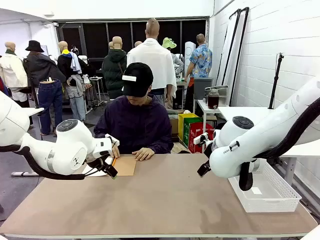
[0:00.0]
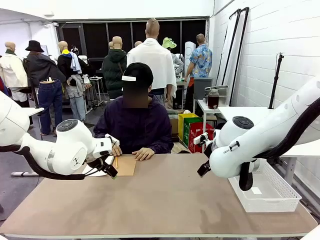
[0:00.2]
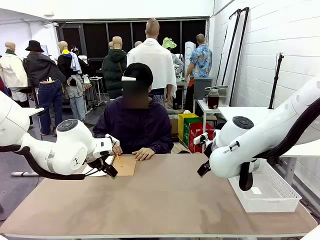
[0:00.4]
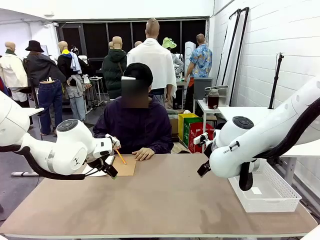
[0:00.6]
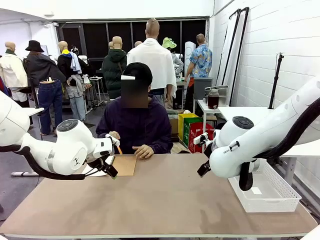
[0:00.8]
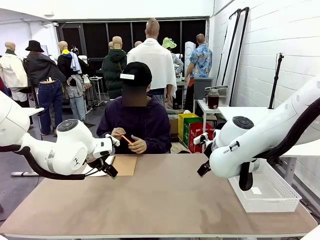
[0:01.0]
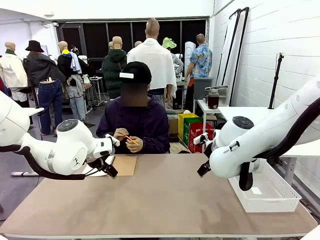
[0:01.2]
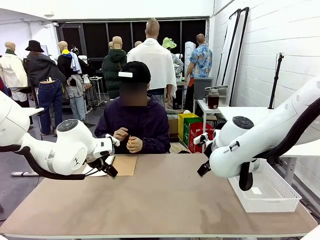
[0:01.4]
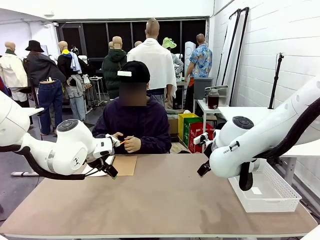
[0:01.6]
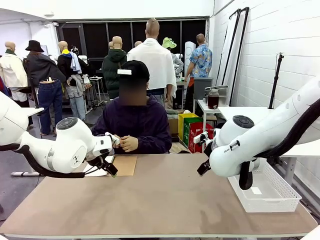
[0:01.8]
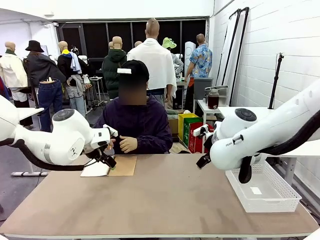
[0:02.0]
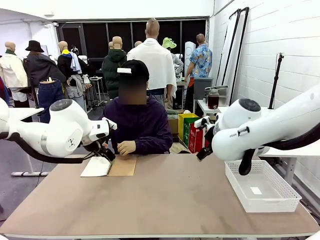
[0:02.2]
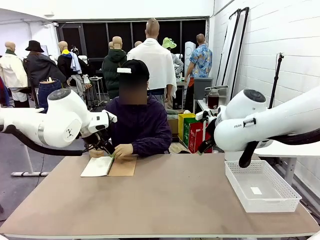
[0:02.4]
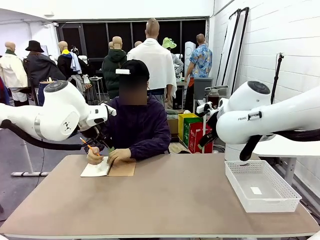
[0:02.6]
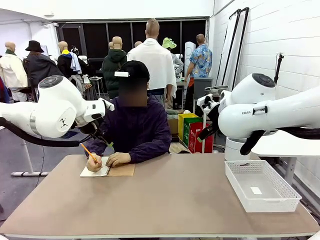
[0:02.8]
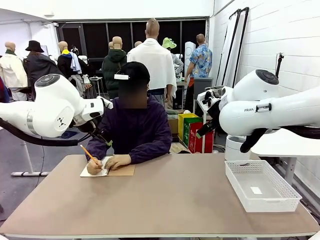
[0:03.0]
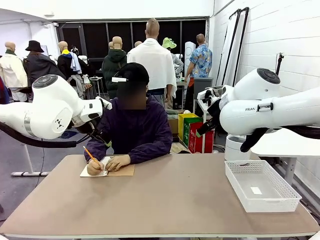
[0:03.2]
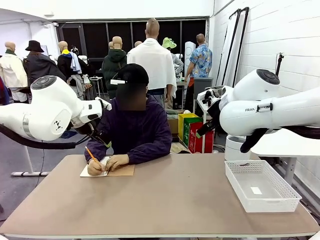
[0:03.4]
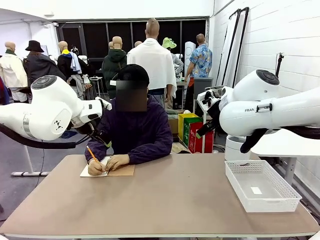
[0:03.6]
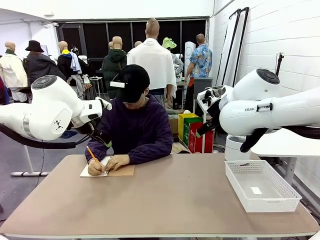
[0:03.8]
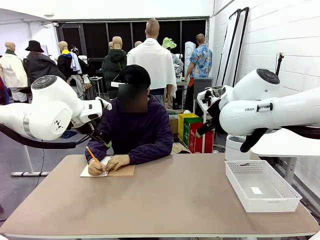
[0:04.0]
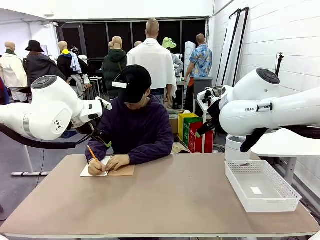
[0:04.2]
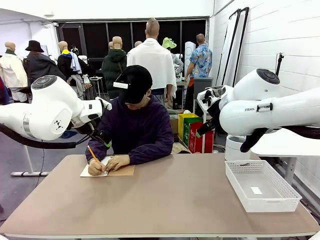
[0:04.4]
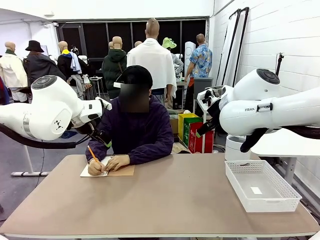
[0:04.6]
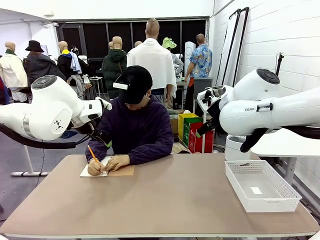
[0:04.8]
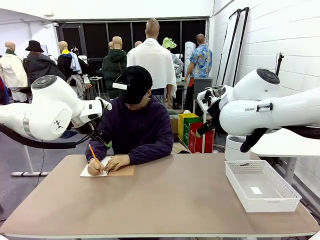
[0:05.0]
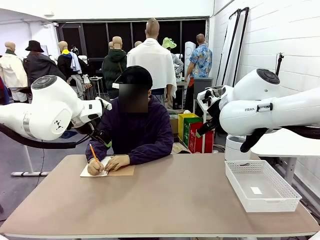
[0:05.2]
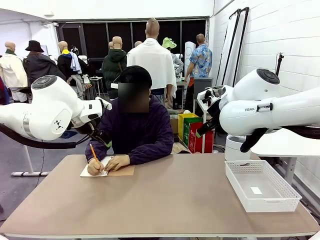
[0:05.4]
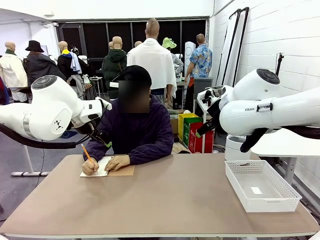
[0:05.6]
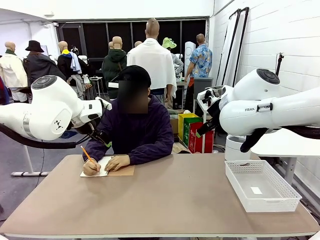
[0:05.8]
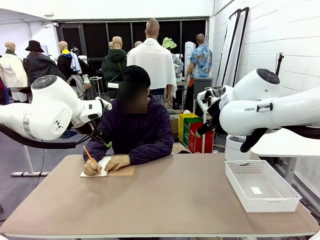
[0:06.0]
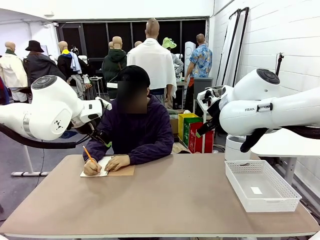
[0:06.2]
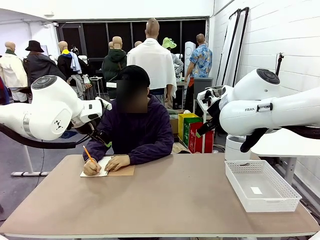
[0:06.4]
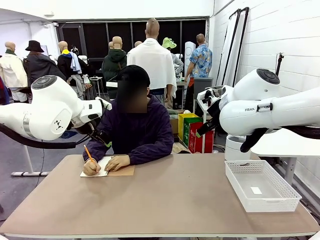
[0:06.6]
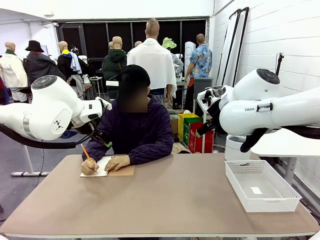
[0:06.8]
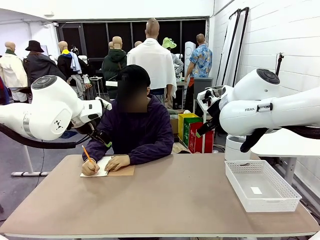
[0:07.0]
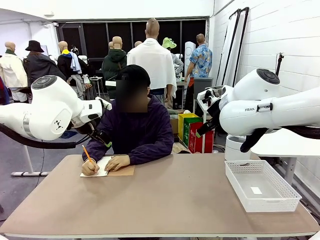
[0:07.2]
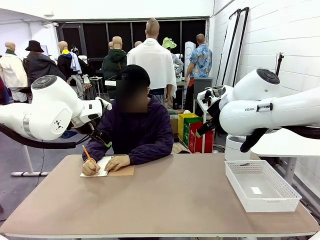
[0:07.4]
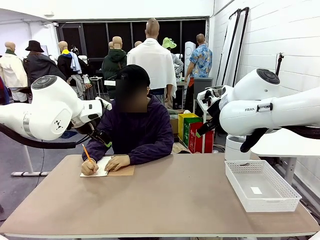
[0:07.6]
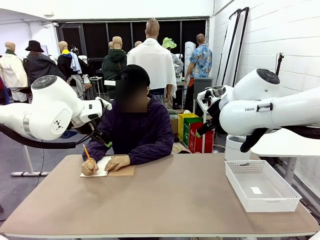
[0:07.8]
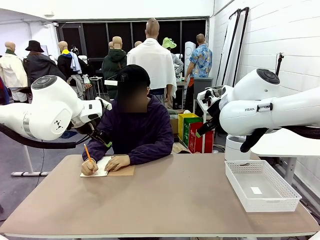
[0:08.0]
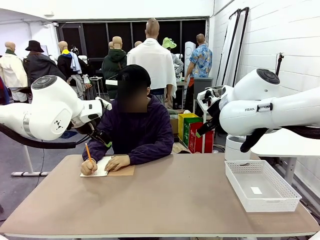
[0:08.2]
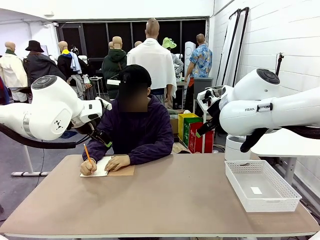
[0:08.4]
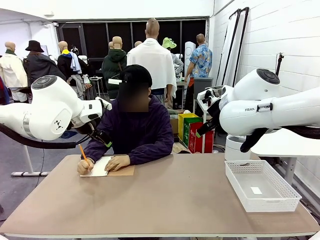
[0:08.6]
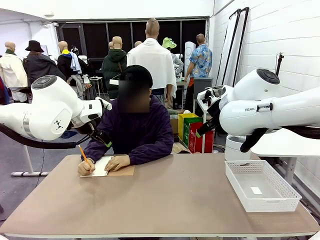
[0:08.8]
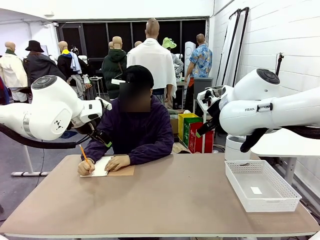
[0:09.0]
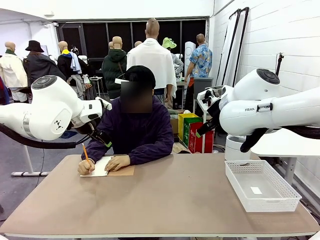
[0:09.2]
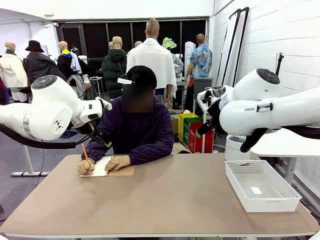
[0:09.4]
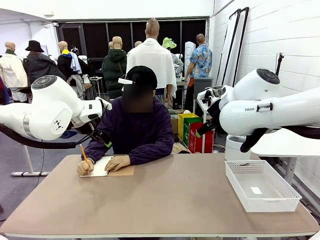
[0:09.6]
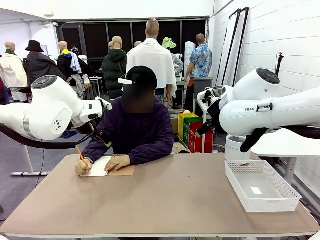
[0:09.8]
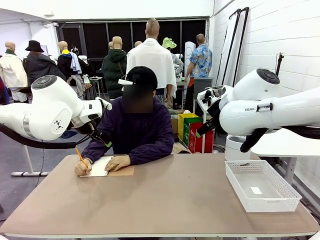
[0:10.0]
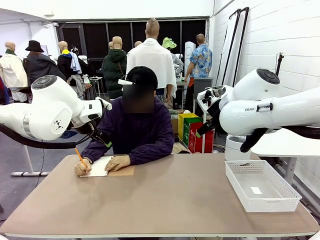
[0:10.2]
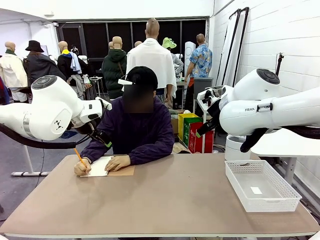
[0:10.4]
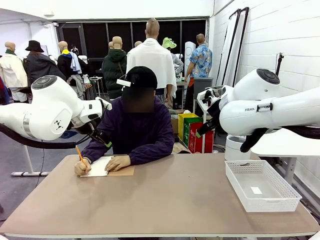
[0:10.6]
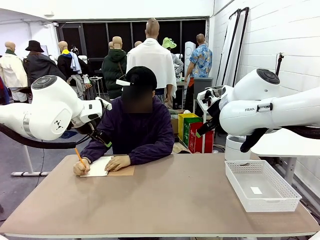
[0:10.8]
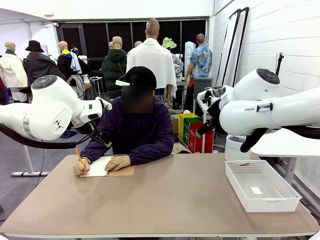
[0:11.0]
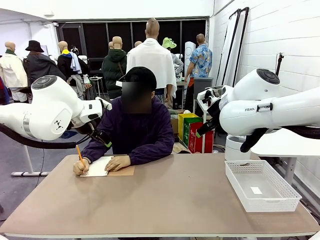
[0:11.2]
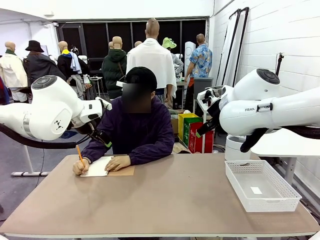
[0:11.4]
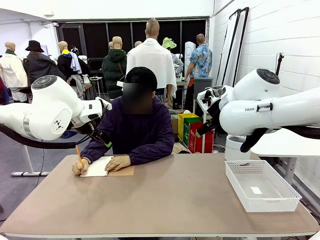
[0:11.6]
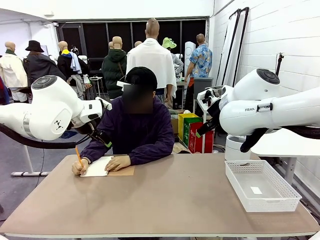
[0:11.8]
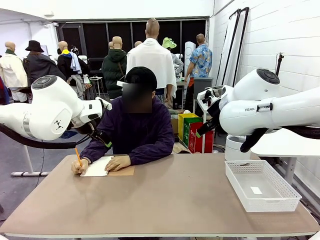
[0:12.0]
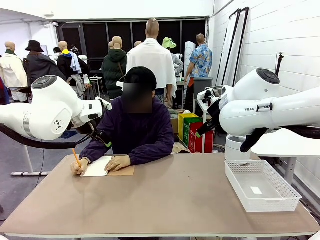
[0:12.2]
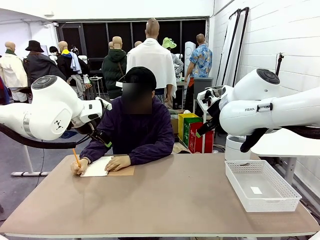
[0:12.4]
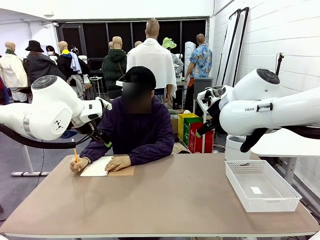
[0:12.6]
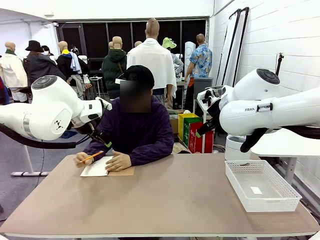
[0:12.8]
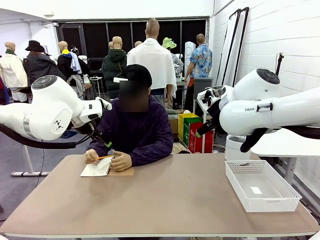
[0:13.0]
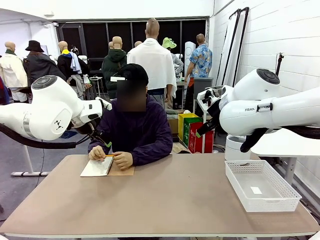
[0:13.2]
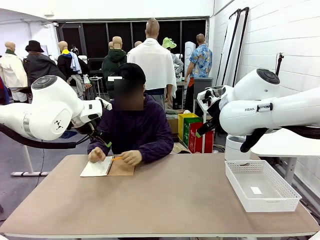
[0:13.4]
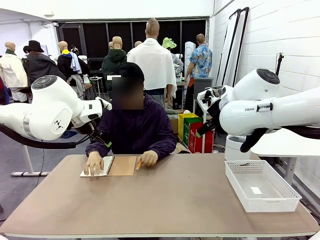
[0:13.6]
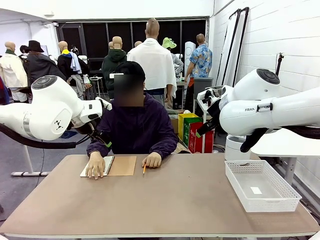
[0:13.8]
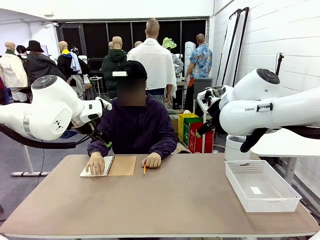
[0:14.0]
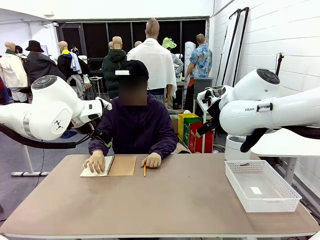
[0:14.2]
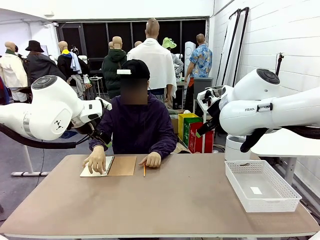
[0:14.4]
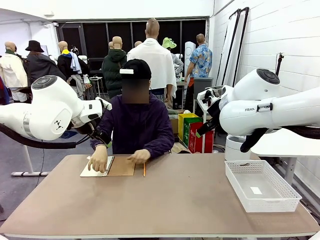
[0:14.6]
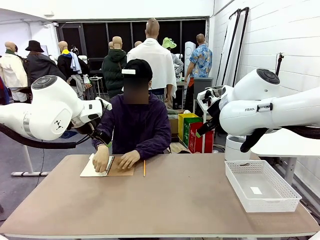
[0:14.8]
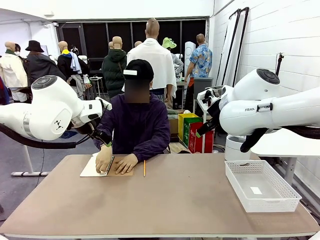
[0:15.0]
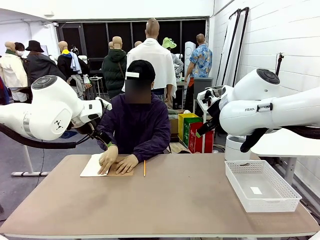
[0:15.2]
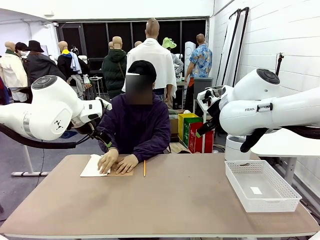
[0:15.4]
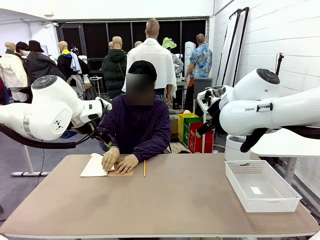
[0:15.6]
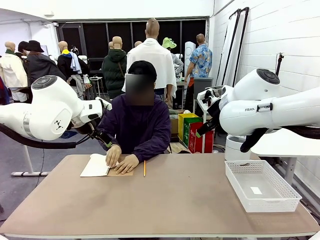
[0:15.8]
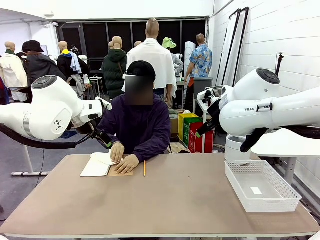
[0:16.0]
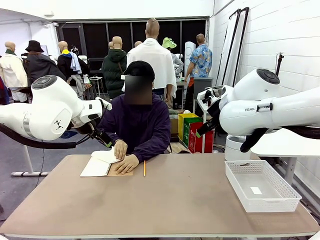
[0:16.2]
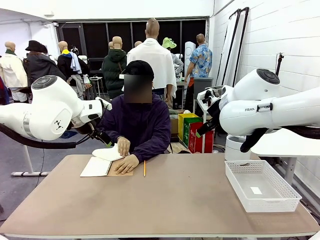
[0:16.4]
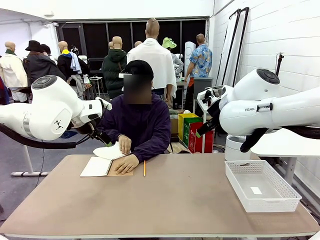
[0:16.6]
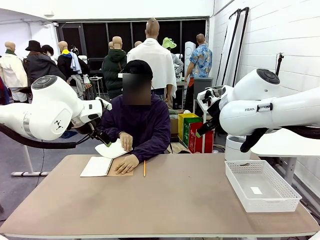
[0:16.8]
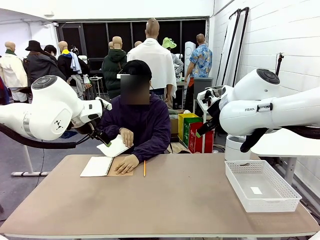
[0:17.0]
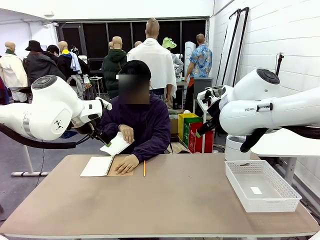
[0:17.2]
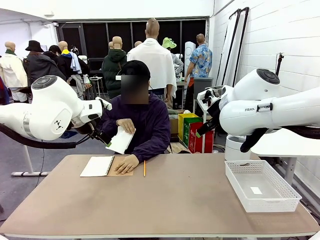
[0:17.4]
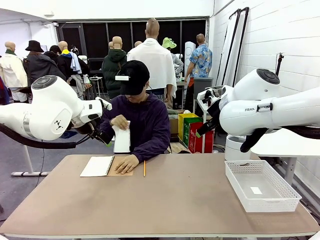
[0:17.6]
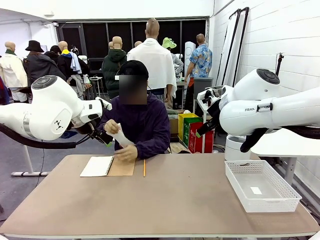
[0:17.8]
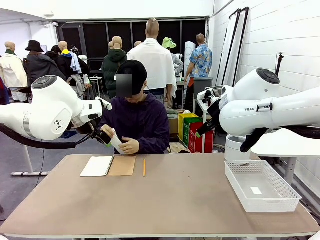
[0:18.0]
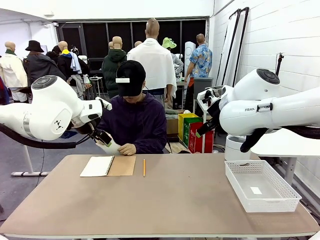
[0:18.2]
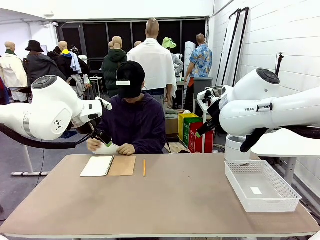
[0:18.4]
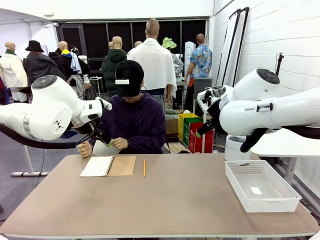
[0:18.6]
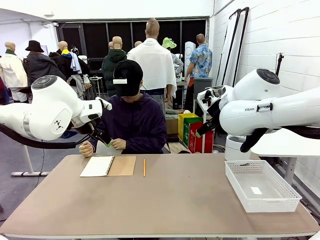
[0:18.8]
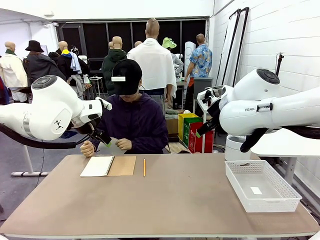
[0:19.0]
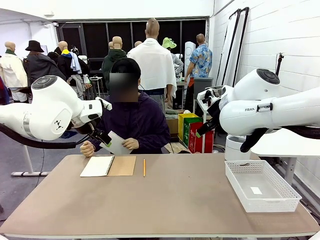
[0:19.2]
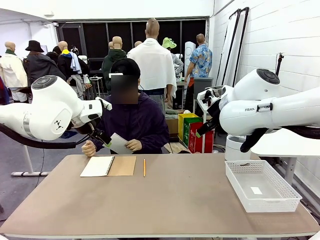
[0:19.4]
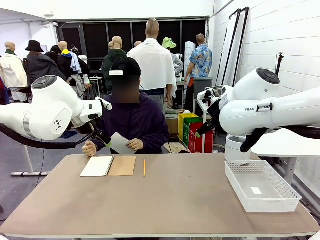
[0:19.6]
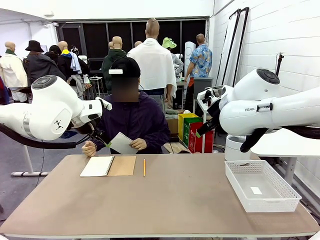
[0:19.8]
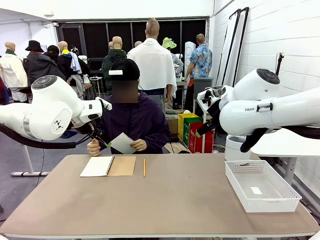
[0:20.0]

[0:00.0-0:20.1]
Task: Sort the paper based on its condition.
Robot: If a person hands you a paper, place it in the Organizing basket , and if it's crumpled, put it in the Trash can.
Person: Tear out a page from the spiral notebook.
